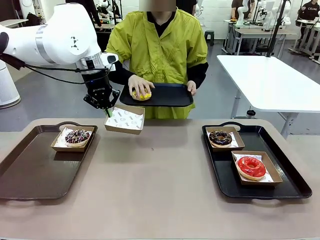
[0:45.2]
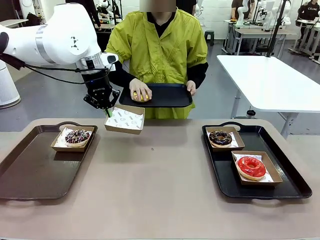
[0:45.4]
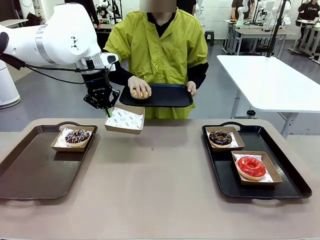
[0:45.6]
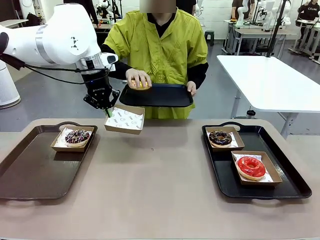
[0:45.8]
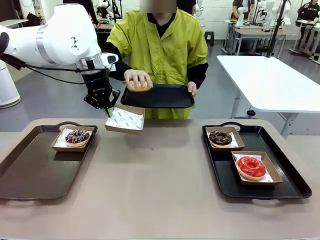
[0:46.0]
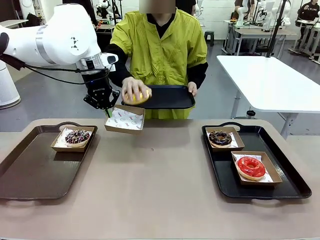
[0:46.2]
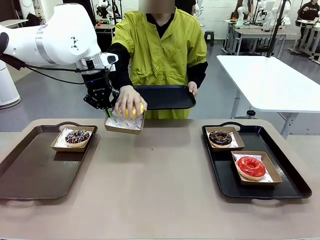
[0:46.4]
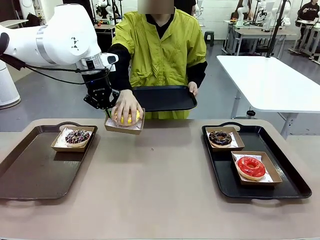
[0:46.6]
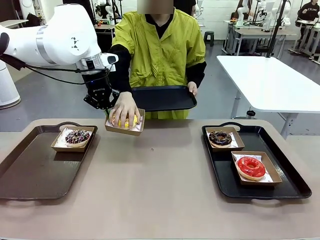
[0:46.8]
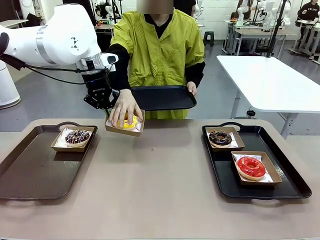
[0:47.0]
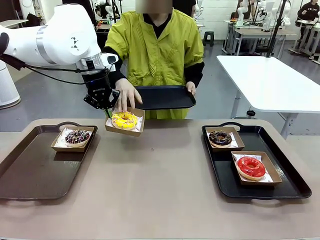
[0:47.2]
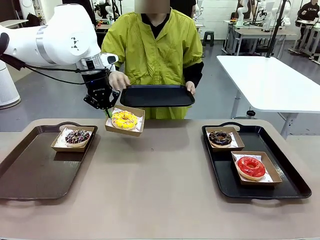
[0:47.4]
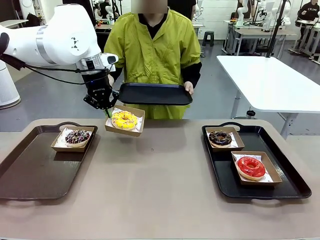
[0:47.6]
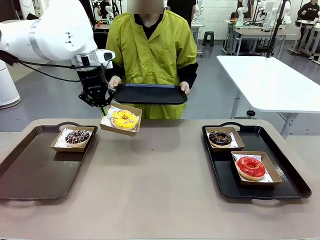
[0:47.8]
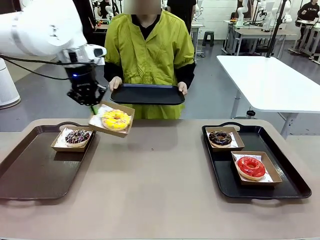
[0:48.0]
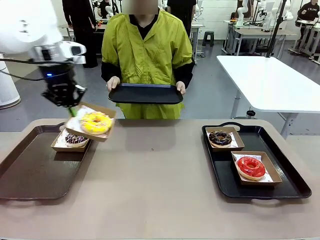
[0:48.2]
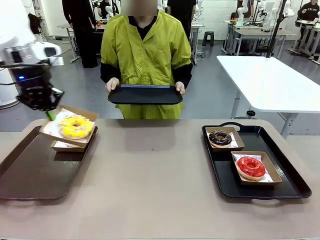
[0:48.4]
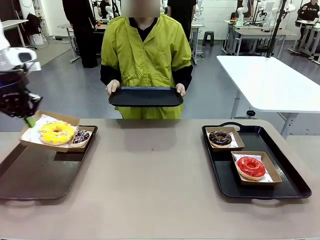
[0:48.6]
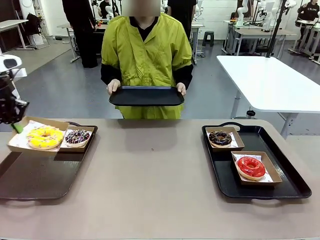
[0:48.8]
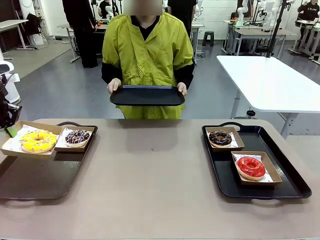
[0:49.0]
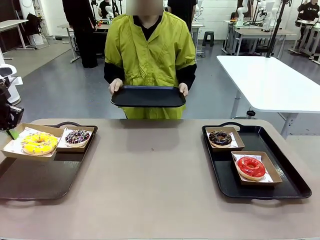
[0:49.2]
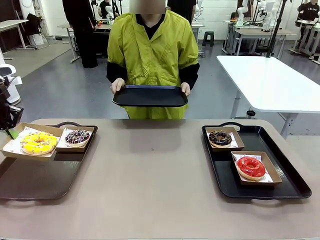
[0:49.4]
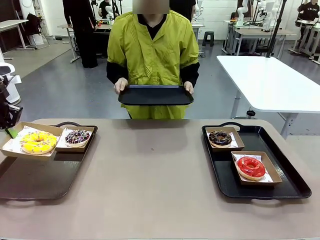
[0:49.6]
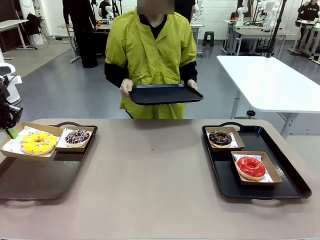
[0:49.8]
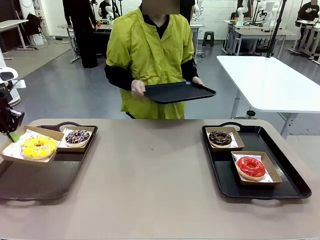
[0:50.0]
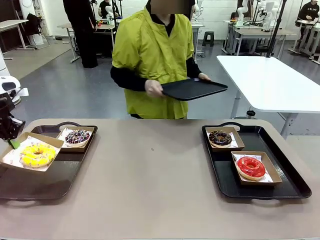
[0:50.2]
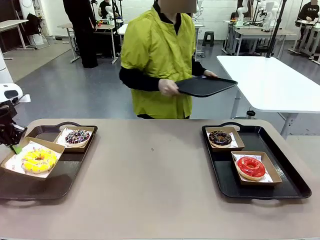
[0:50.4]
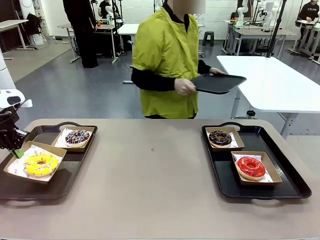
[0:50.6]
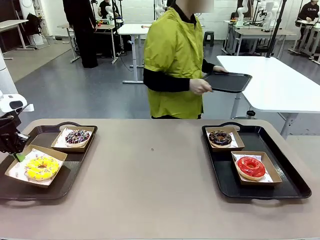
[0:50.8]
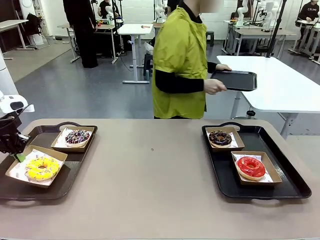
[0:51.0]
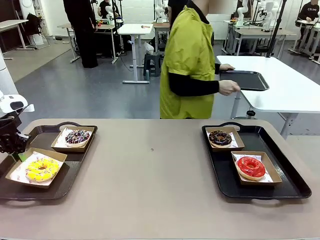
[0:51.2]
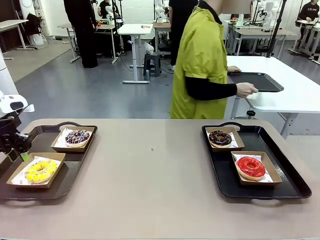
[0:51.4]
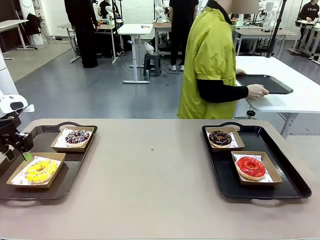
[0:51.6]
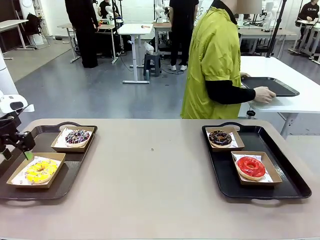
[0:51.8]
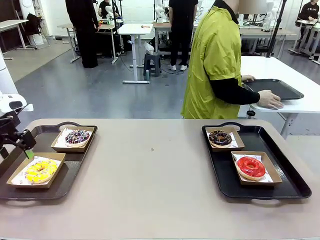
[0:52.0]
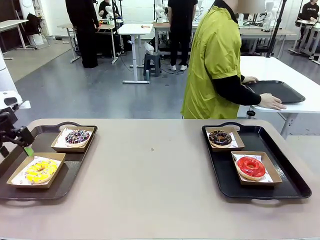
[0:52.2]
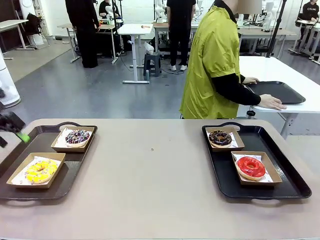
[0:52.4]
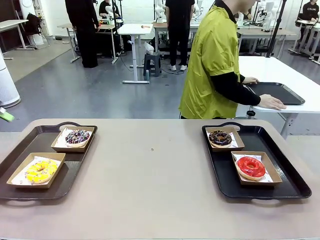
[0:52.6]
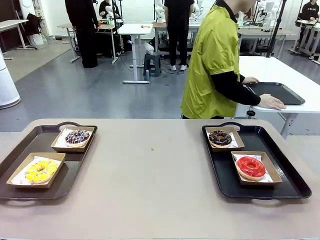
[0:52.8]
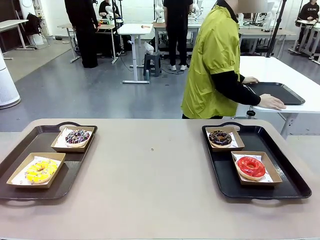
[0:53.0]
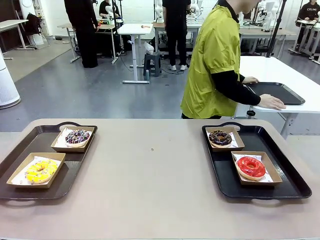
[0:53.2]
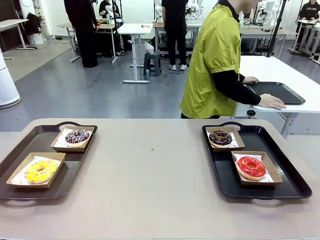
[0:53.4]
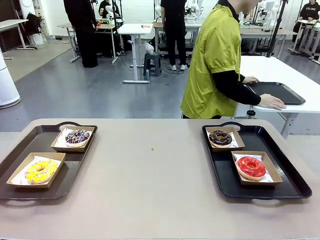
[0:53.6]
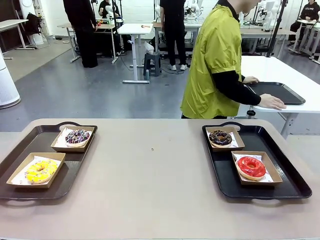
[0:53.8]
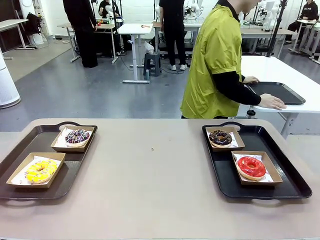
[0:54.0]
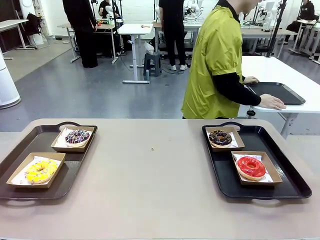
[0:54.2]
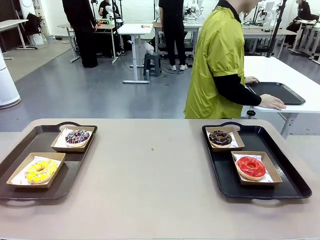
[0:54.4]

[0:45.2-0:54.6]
Task: Individually package the donuts and arrange them on the tray.
Robot: Place the picked Paper togo box on the Handle tray.
Person: Place the tray down in the middle of the human table.

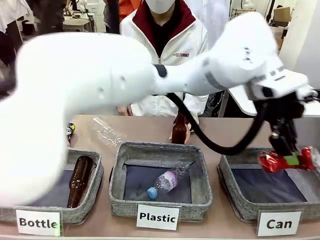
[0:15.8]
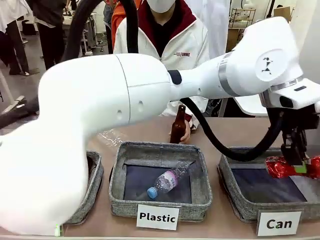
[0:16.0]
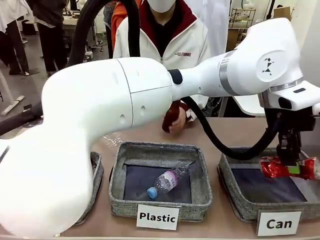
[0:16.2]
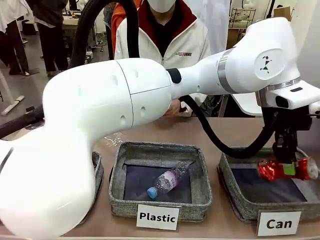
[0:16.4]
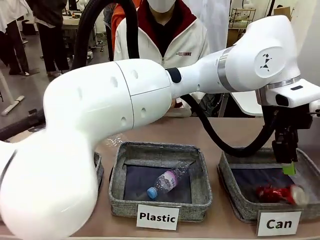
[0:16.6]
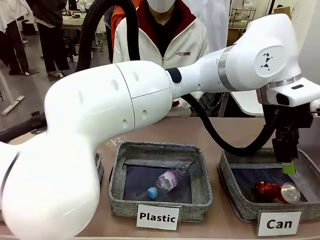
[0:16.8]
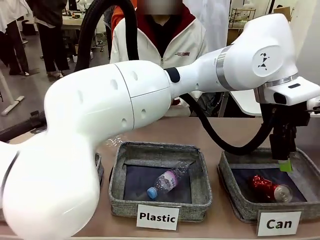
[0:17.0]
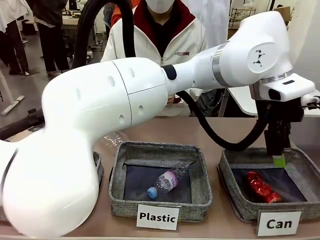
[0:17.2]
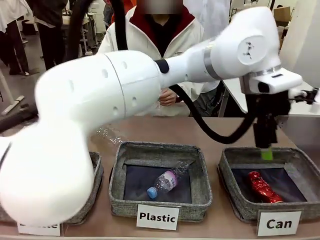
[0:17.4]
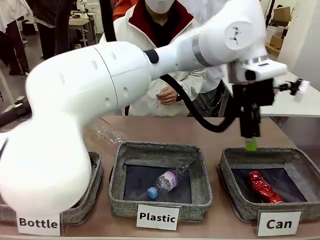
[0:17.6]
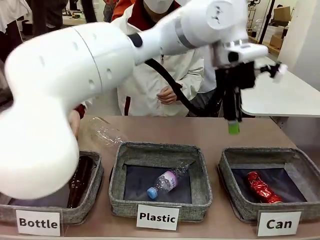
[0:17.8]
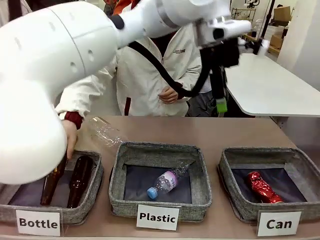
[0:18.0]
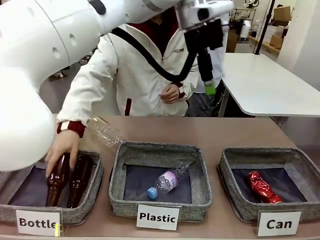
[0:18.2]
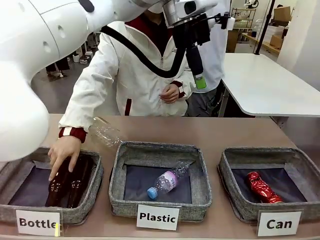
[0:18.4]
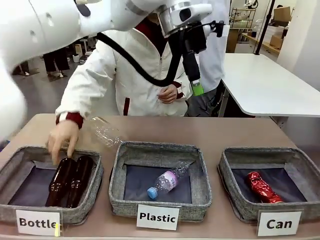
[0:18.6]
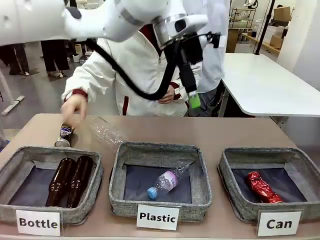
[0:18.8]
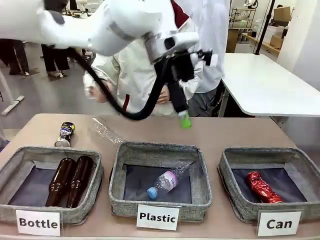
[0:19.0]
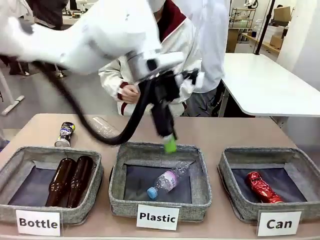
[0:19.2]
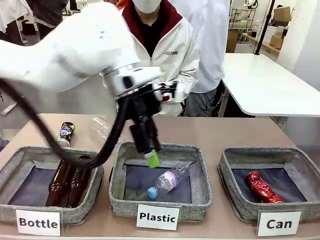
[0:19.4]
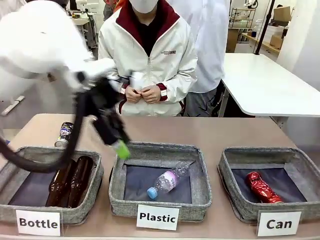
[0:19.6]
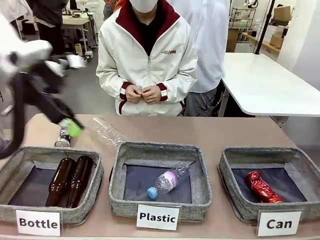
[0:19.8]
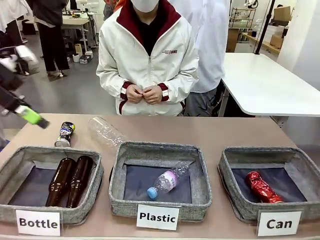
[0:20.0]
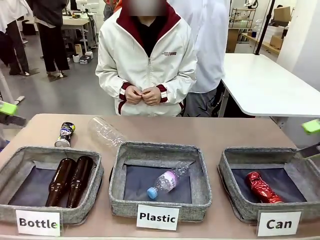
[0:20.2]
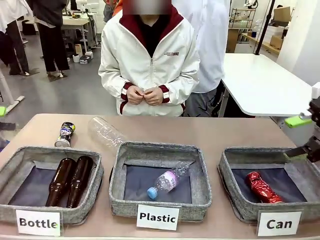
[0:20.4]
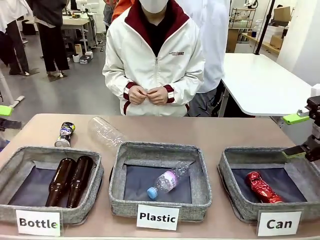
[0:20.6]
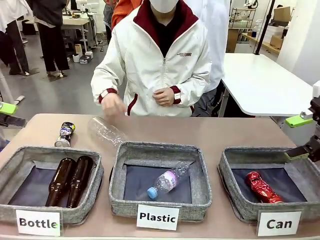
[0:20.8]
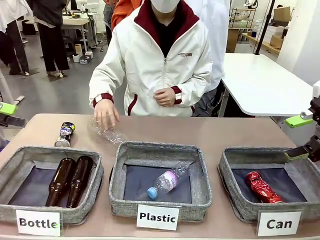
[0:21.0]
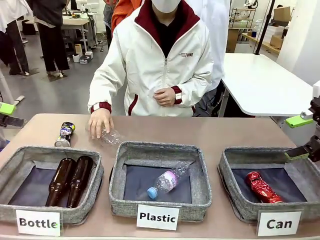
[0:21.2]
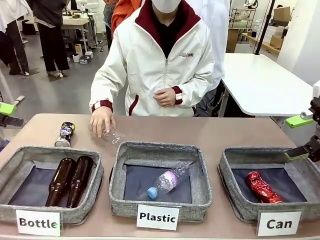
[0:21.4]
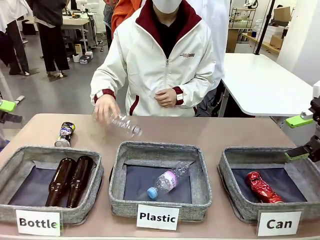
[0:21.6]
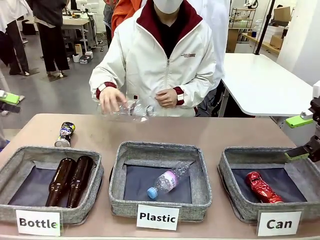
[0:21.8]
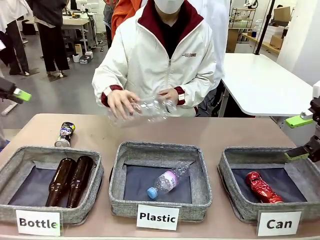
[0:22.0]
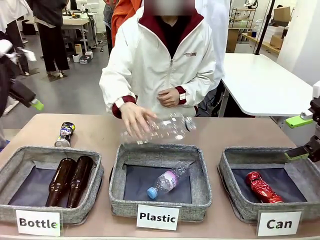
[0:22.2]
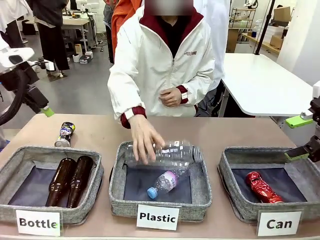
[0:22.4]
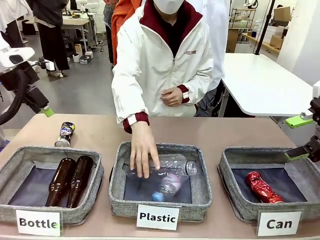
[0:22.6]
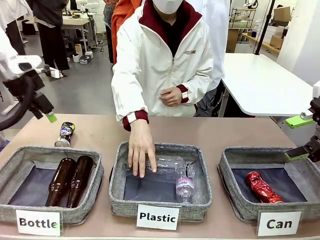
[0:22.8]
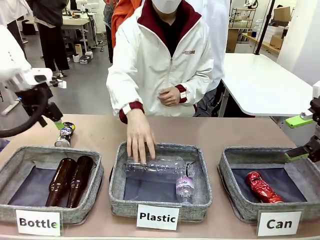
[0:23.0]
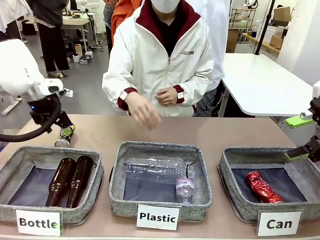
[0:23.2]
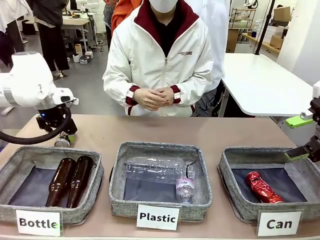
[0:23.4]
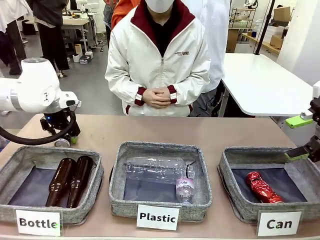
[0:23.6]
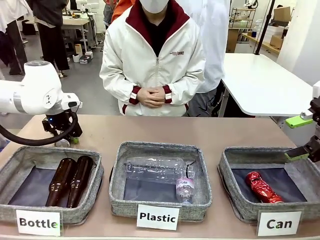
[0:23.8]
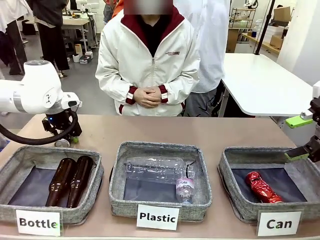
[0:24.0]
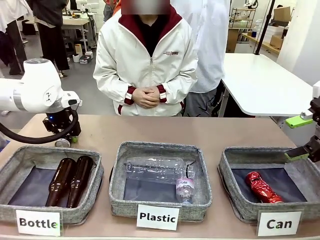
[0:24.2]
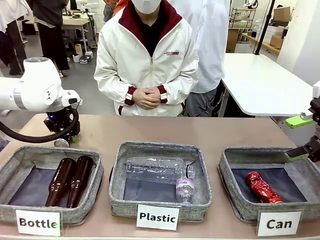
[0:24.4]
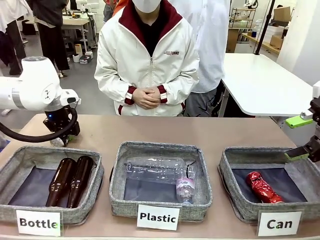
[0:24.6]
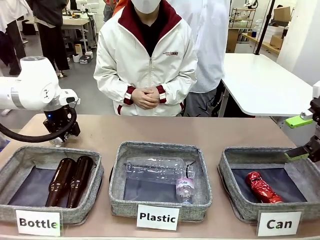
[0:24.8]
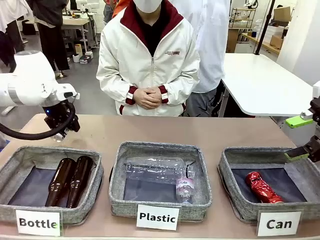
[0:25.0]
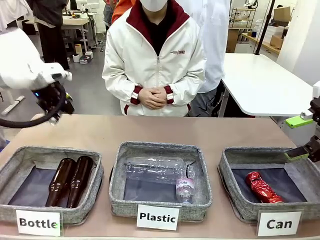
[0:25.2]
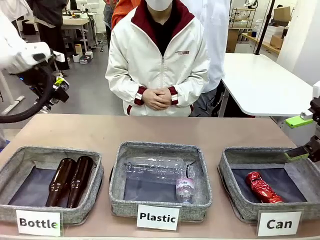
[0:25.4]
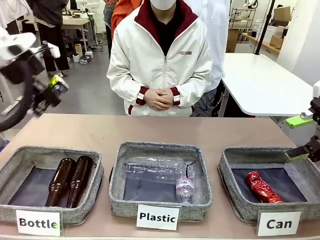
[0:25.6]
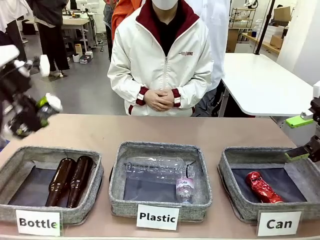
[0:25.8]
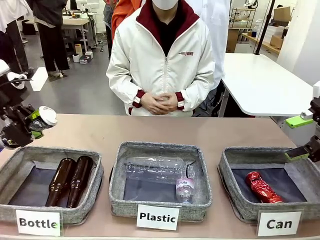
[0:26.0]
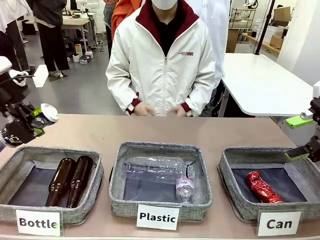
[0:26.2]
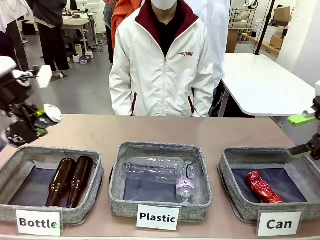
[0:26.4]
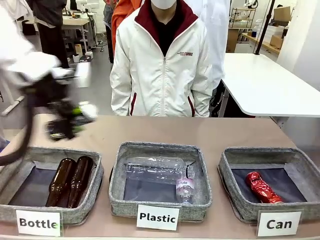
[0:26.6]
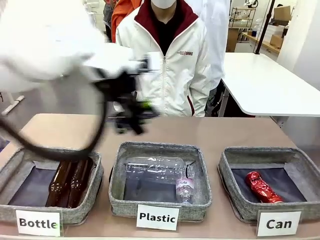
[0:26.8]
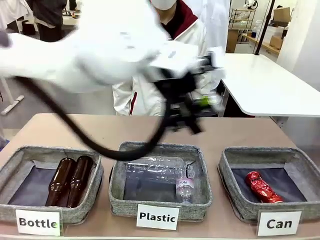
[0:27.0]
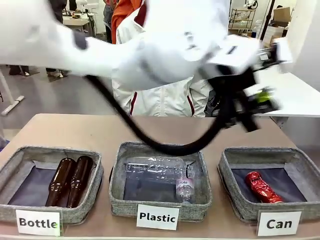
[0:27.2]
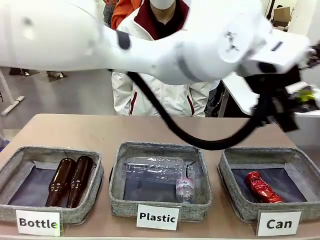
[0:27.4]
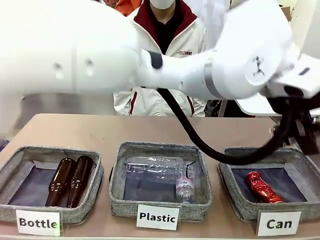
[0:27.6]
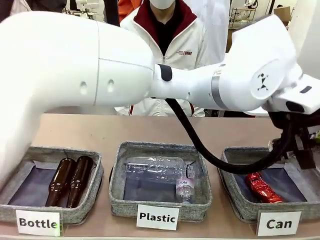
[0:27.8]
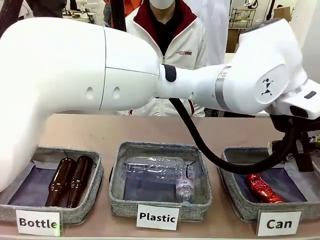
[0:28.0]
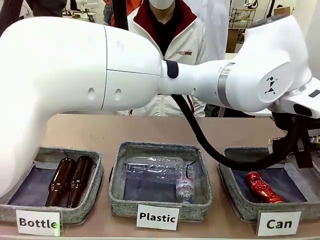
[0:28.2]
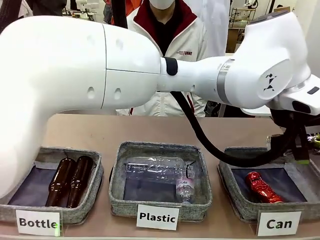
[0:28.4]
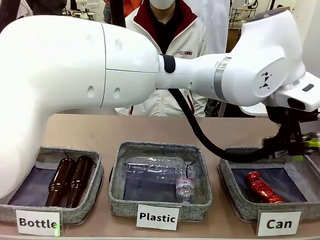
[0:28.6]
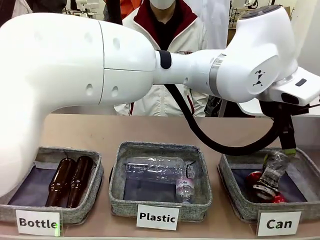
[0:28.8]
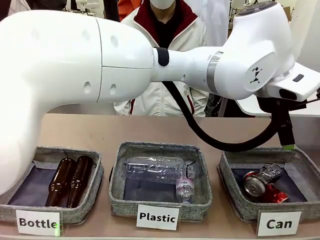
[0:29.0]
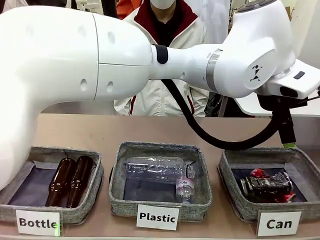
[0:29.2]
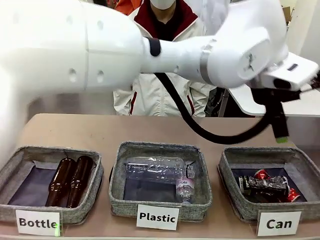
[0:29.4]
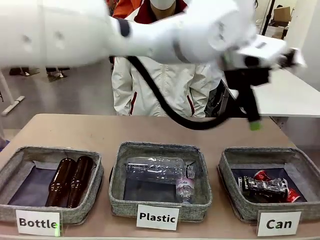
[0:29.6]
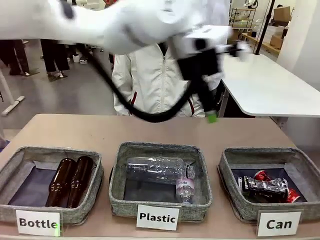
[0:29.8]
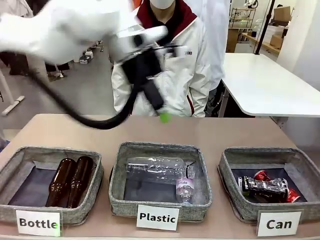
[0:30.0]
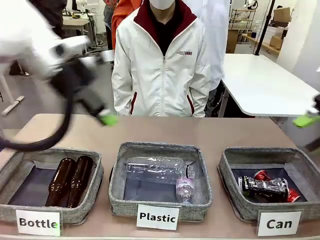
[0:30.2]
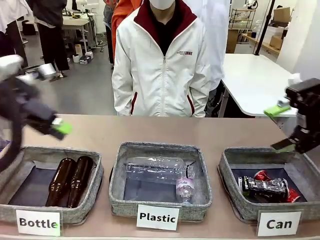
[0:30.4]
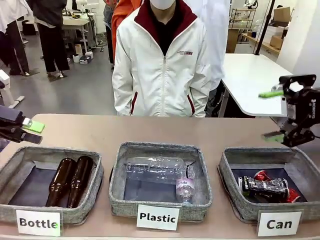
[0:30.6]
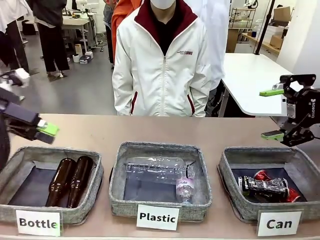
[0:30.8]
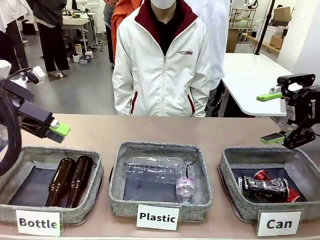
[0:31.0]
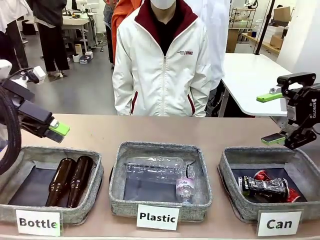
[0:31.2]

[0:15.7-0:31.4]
Task: Sort the can waste into the basket.
Robot: Pick up the can waste from the table and place it in the right Fabric basket.
